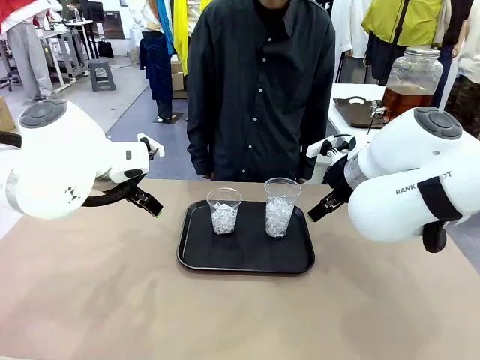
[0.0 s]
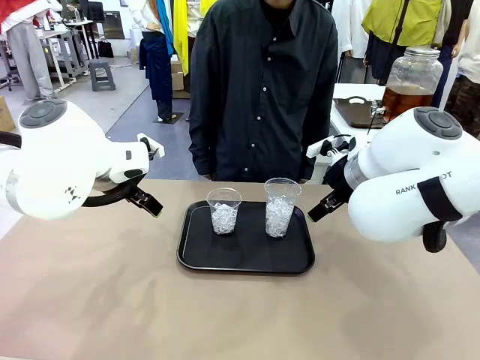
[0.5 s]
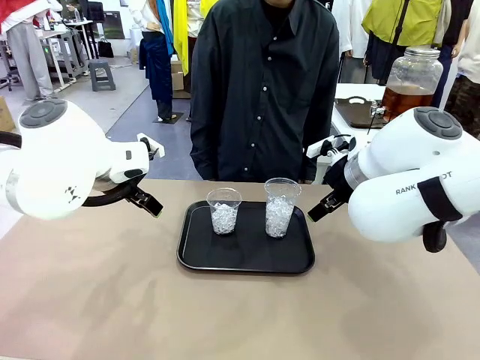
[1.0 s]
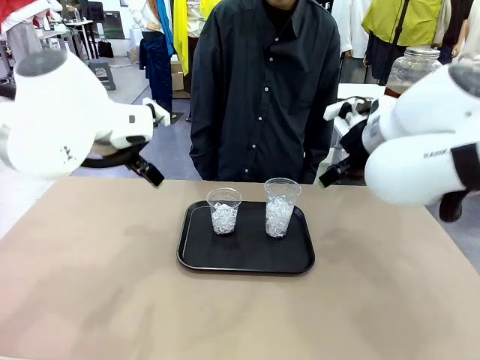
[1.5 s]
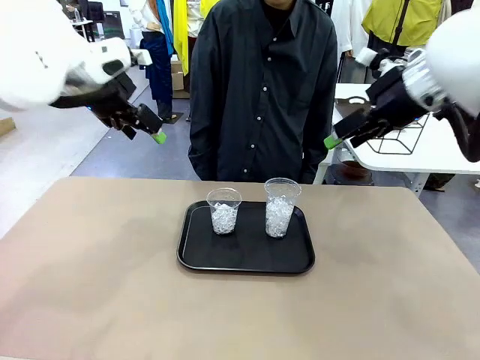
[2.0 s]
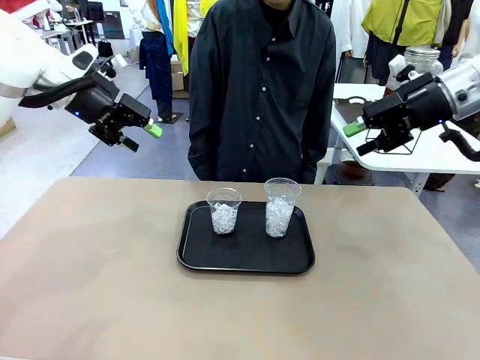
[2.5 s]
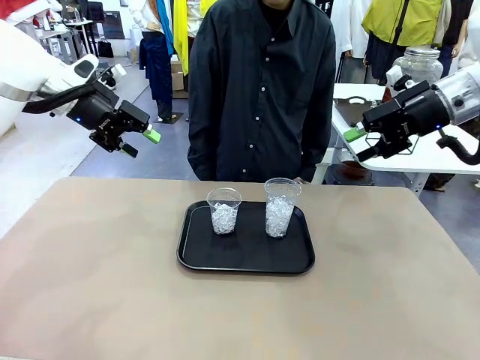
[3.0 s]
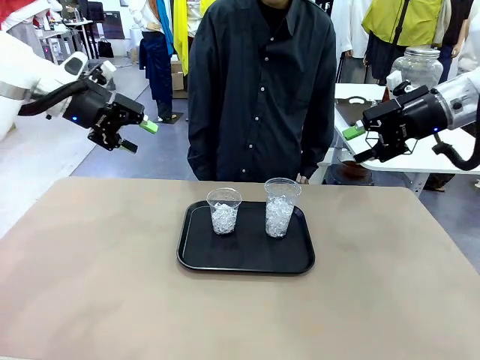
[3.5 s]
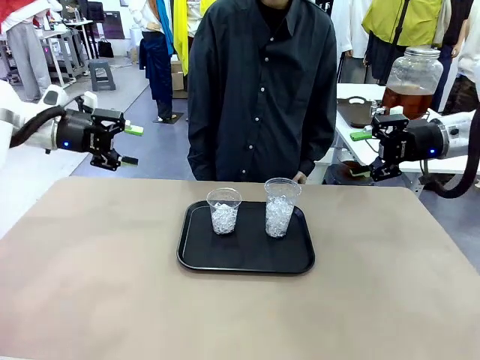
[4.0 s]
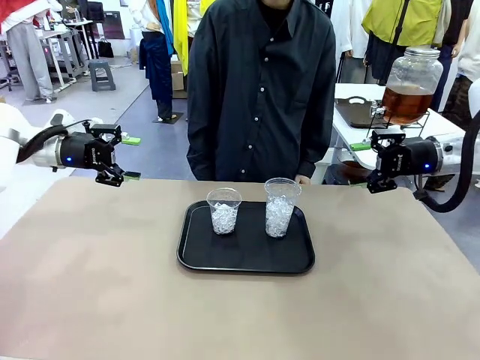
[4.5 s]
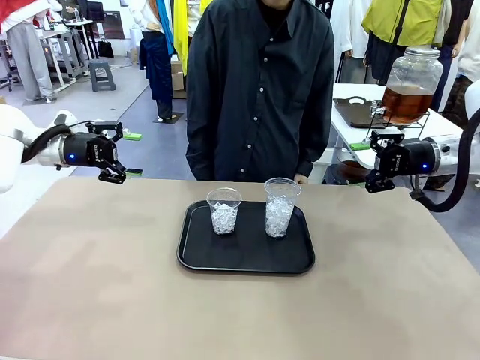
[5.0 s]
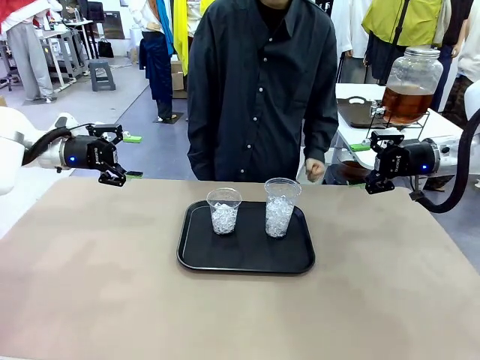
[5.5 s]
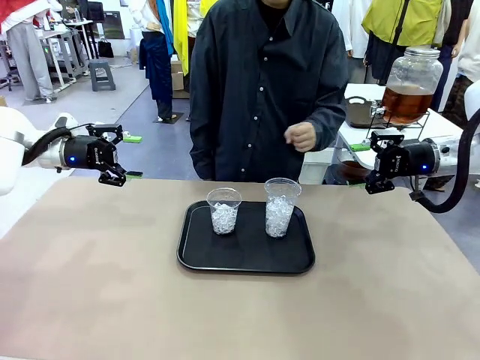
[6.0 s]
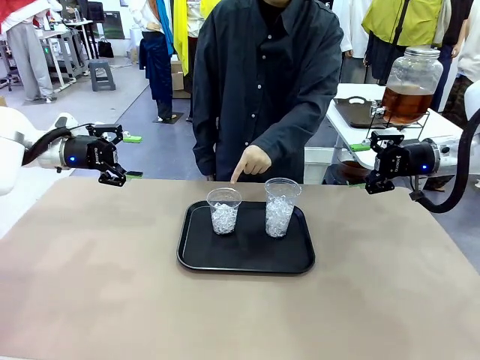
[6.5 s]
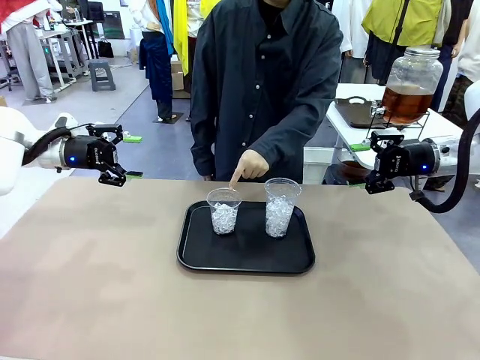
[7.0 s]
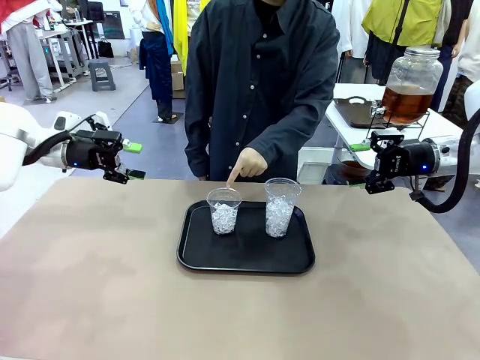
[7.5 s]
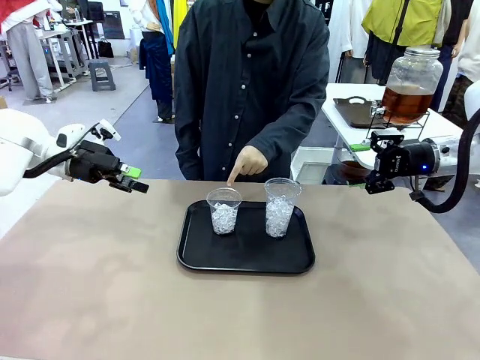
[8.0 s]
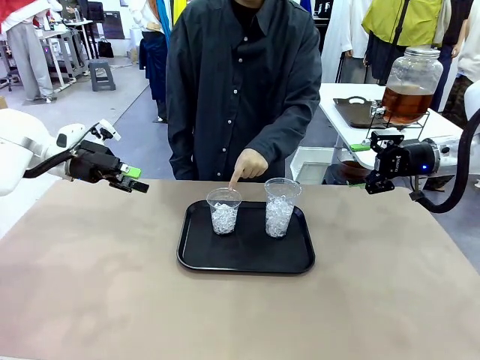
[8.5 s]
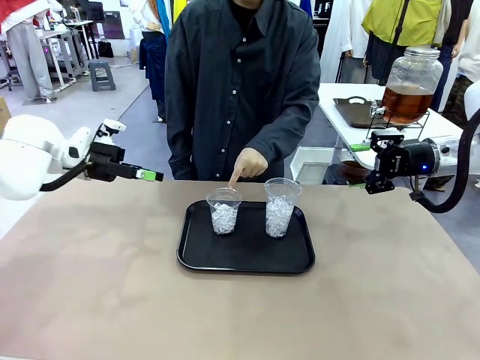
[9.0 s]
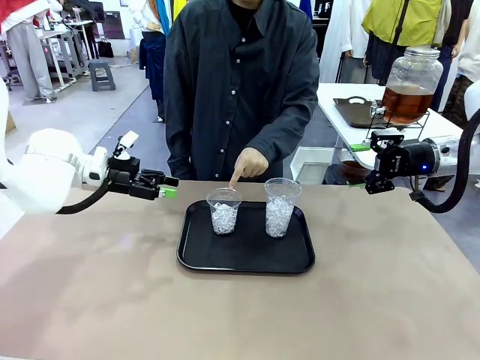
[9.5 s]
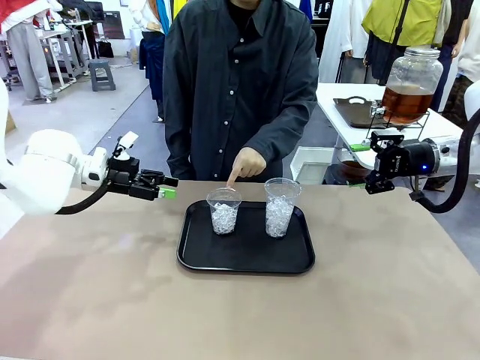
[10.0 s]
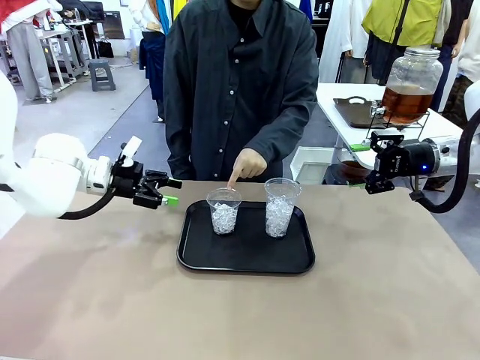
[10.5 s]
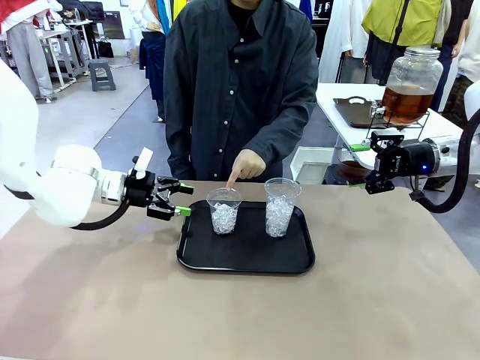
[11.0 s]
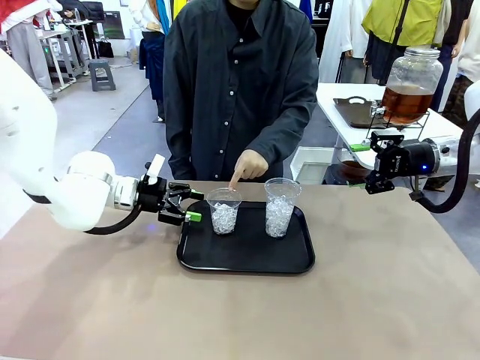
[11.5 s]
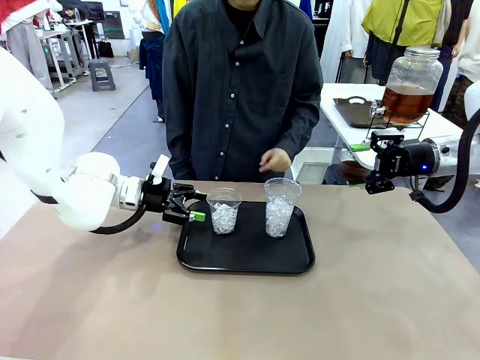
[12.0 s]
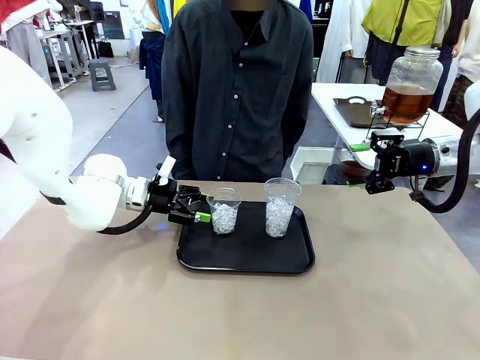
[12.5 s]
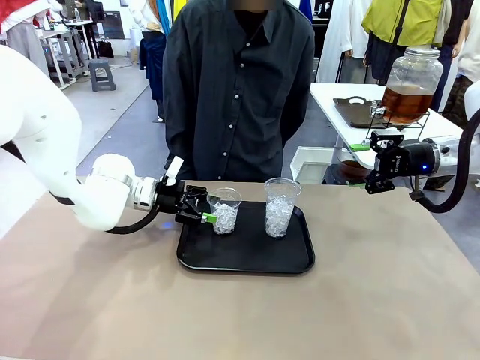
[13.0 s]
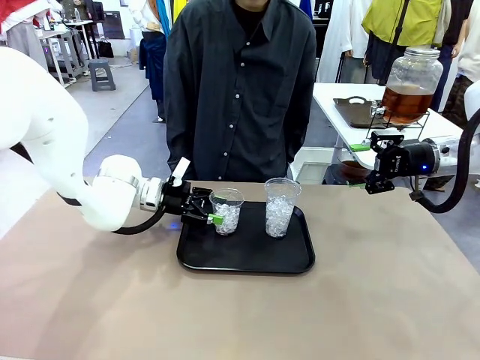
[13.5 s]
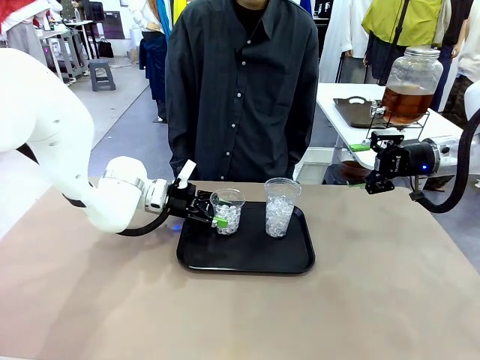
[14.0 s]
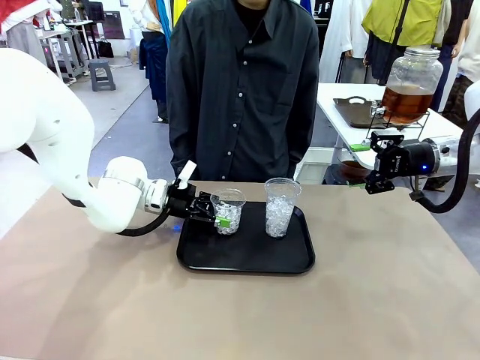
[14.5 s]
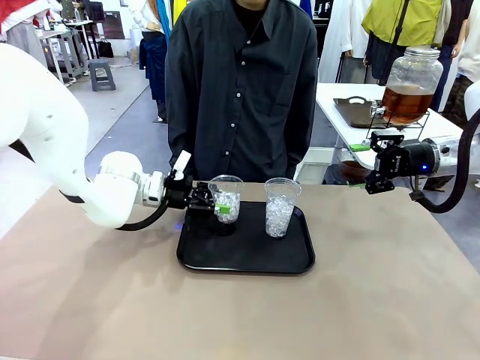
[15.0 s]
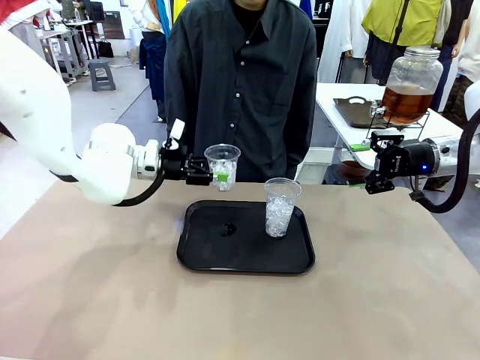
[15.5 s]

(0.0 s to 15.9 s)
Task: Pour the drink into the iced cup.
Robot: Pick up the iced cup indicated by the human and present it to them.
Person: Point to one of the two ice cups. Pick up the cup offered by the robot.

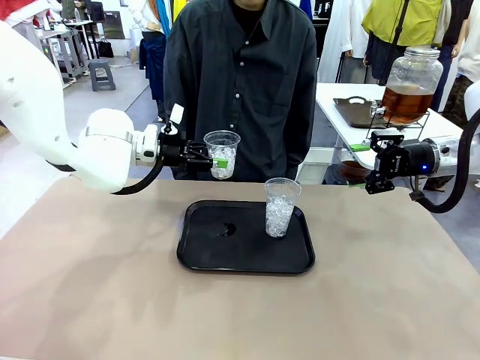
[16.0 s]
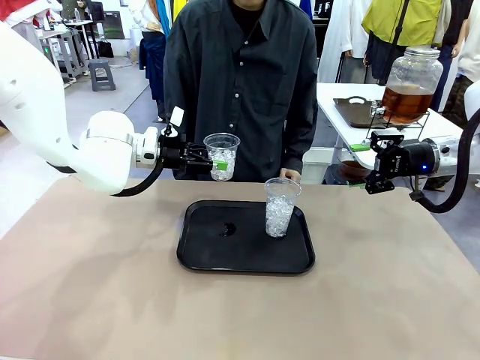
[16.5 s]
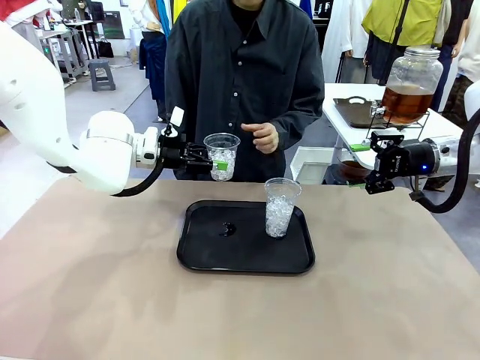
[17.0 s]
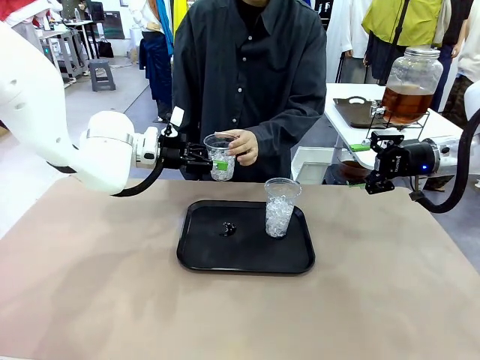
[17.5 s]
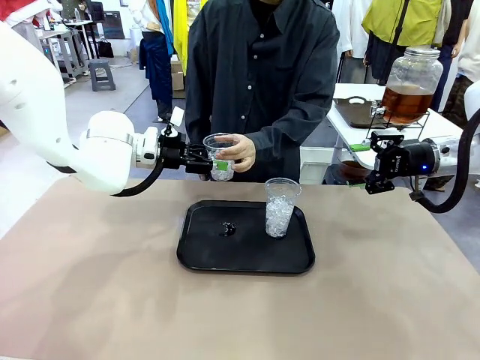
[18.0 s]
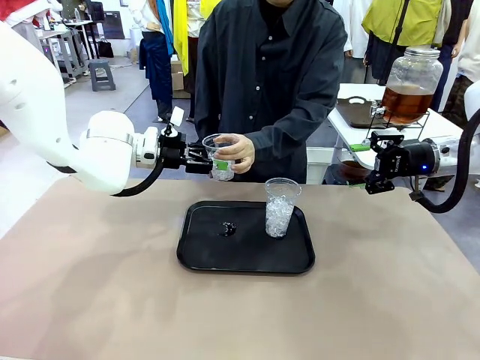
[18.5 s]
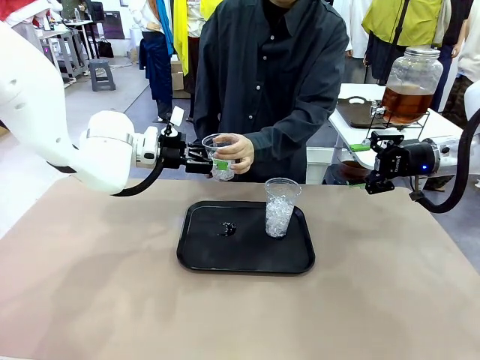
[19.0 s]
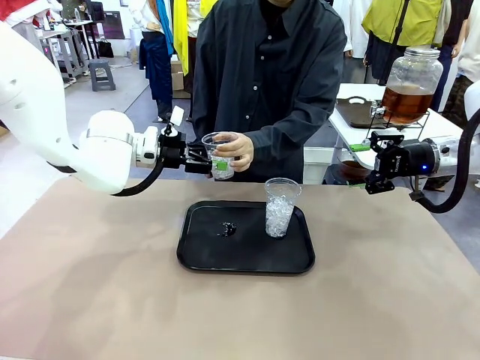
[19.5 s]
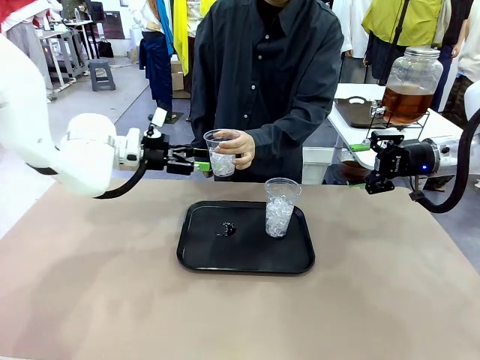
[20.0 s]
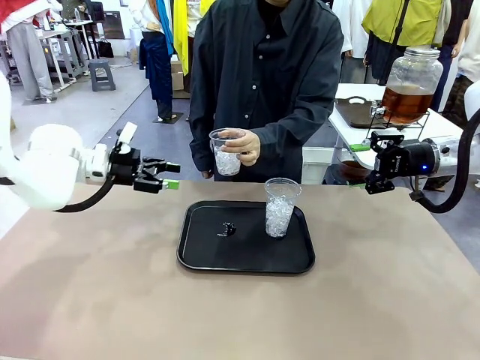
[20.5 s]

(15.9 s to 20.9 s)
Robot: Open the gripper to release the iced cup you were holding.

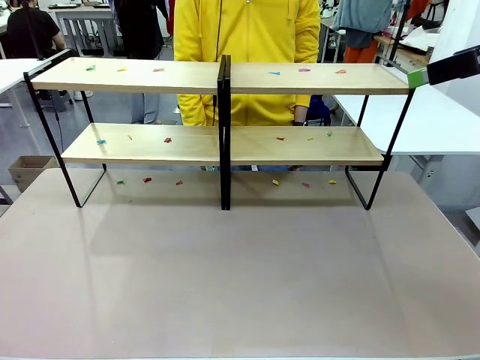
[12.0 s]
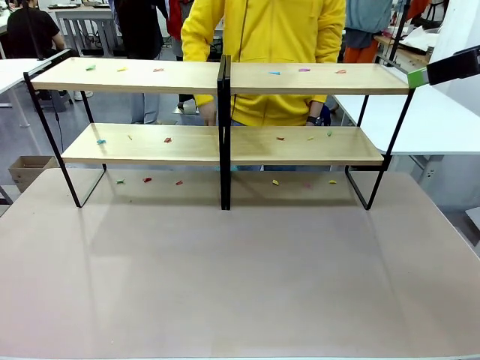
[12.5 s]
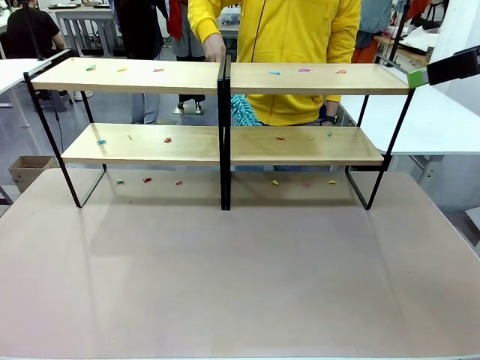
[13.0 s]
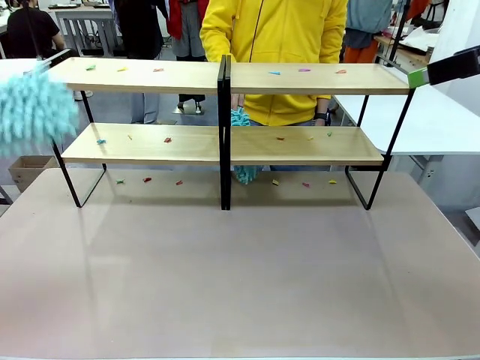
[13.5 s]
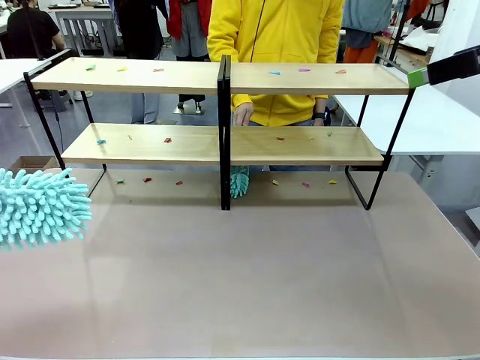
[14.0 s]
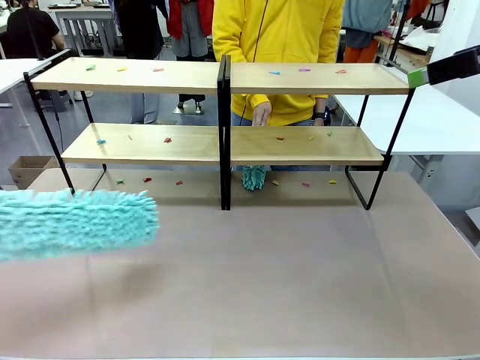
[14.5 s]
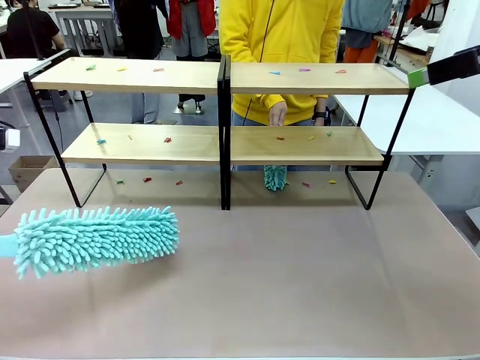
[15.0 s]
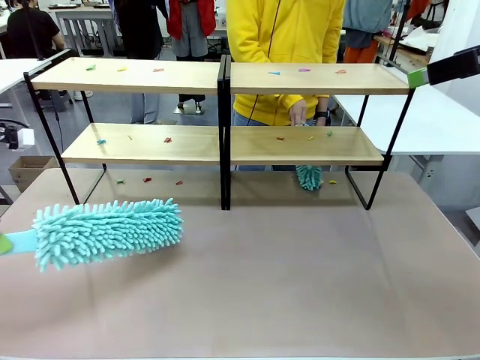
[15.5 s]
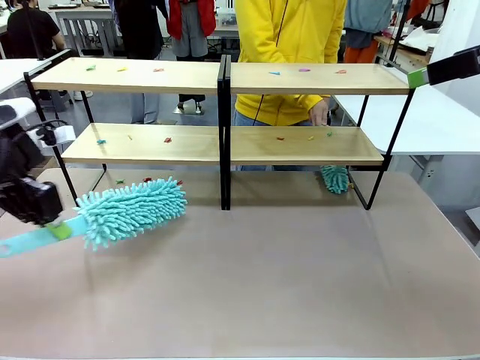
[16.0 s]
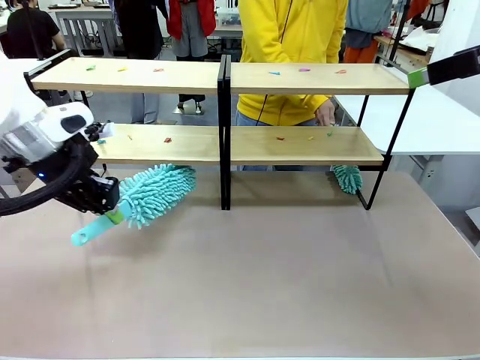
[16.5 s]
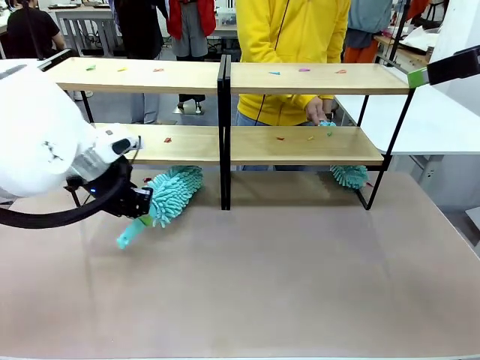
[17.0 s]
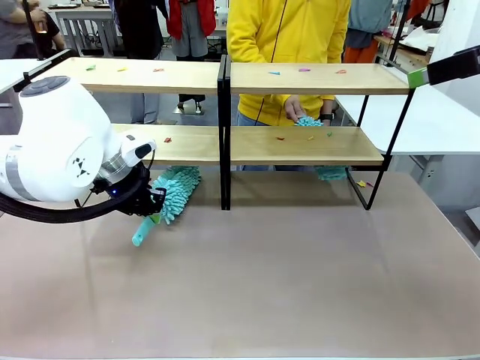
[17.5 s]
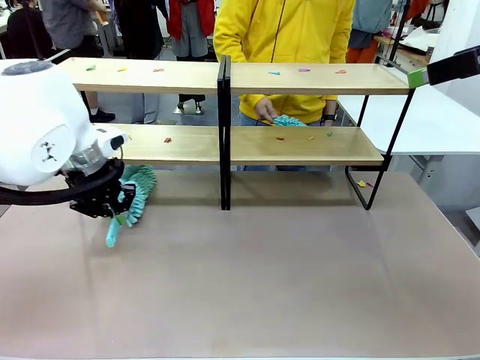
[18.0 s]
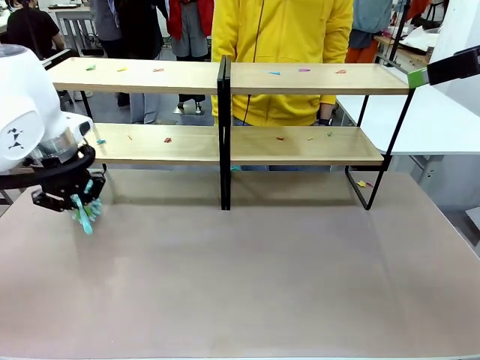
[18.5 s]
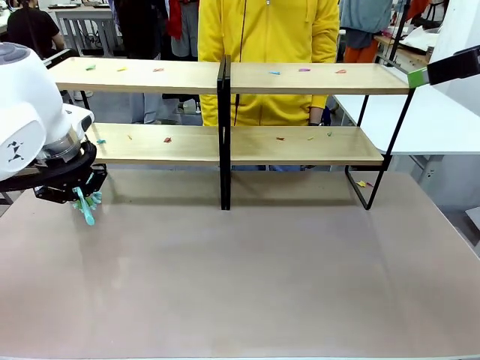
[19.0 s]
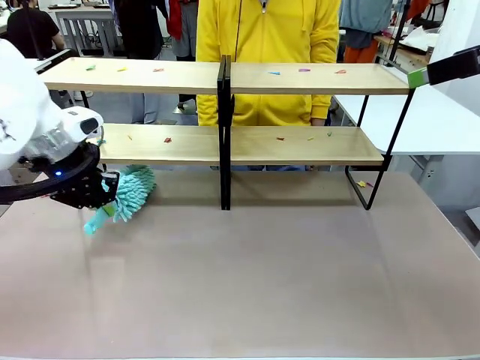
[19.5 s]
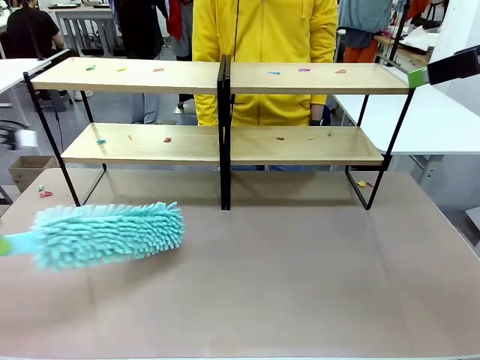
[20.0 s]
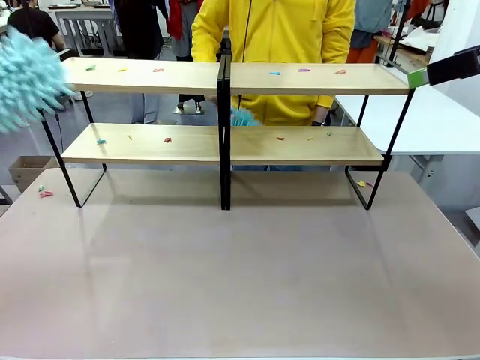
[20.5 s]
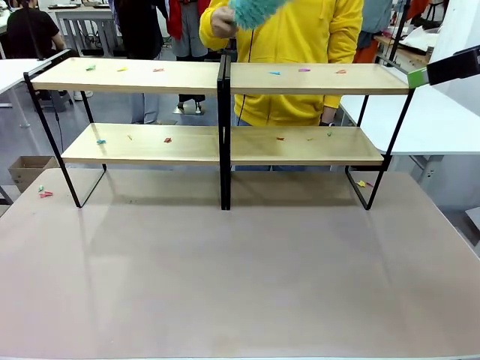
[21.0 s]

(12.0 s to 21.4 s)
Task: Clean the shelves.
Robot: Clean a randomly selected level of the Shelf with the Duster.
